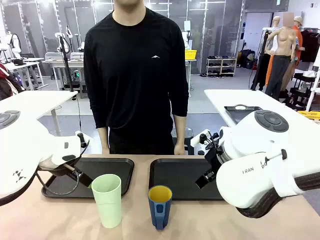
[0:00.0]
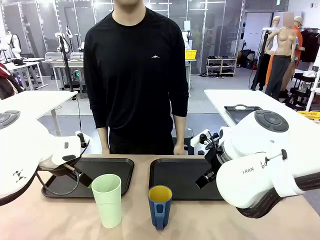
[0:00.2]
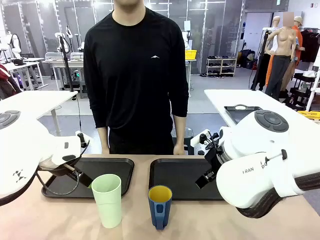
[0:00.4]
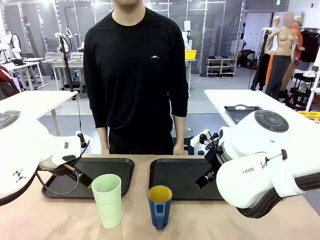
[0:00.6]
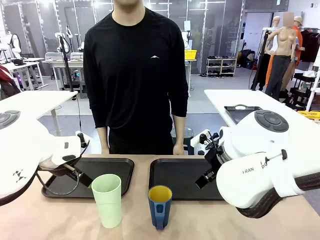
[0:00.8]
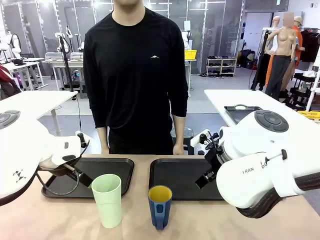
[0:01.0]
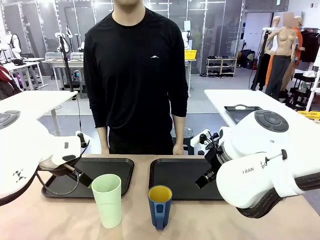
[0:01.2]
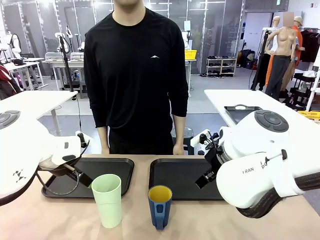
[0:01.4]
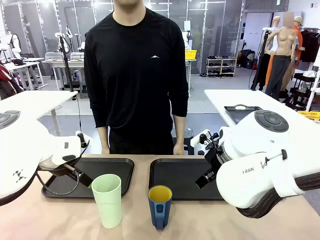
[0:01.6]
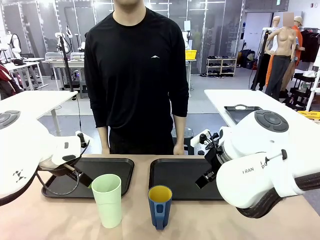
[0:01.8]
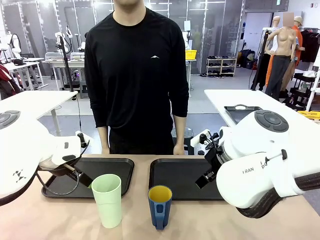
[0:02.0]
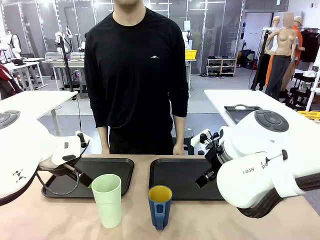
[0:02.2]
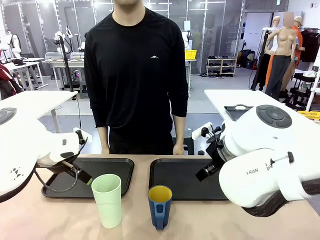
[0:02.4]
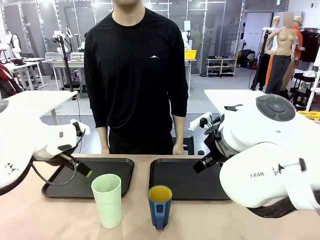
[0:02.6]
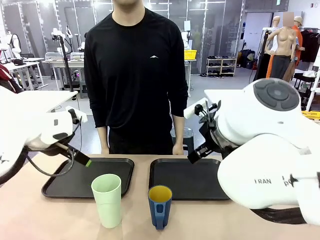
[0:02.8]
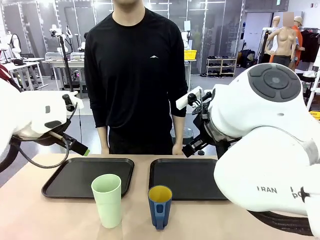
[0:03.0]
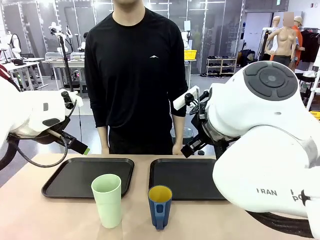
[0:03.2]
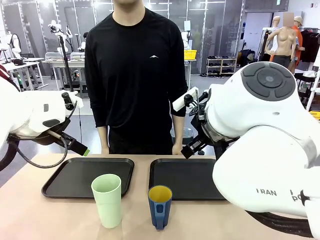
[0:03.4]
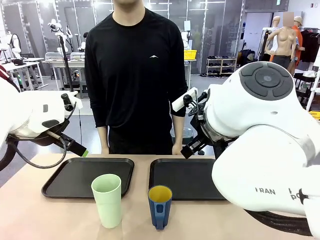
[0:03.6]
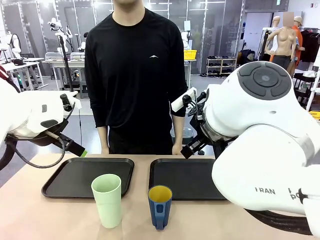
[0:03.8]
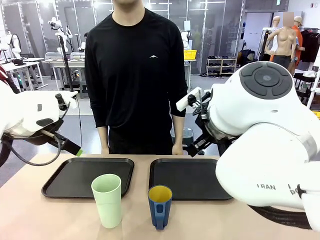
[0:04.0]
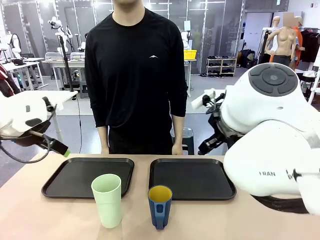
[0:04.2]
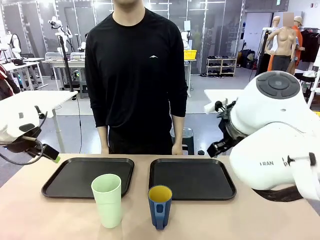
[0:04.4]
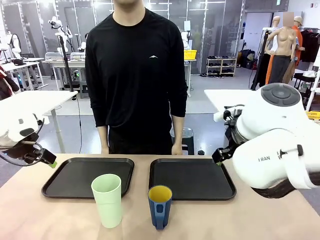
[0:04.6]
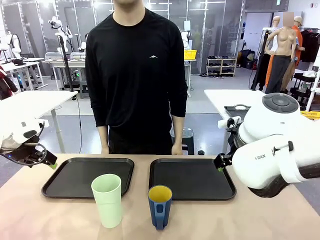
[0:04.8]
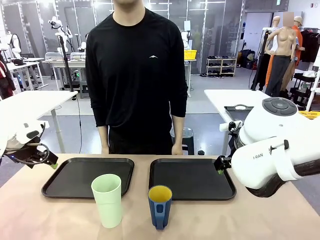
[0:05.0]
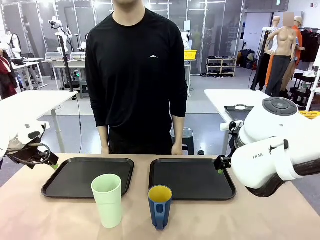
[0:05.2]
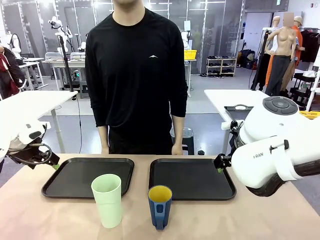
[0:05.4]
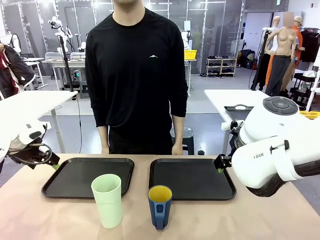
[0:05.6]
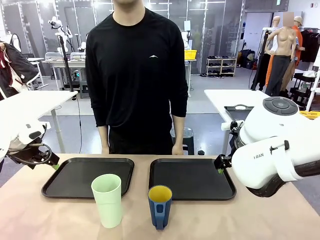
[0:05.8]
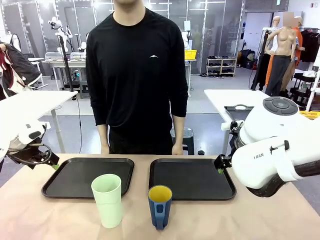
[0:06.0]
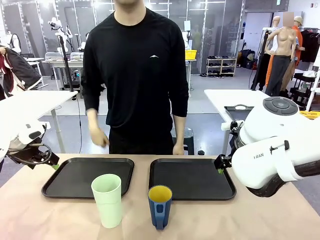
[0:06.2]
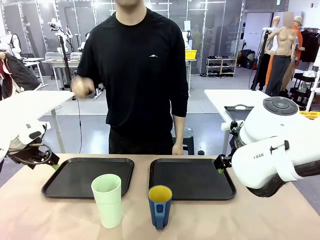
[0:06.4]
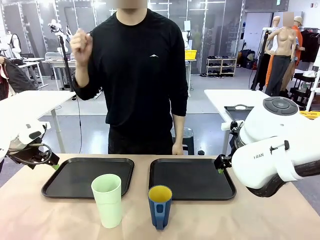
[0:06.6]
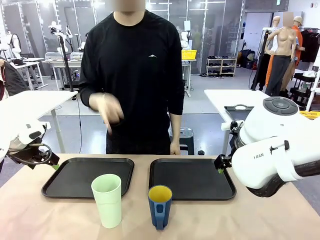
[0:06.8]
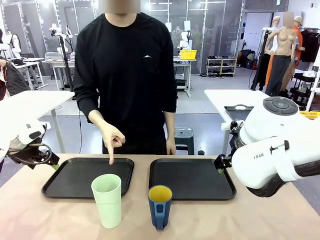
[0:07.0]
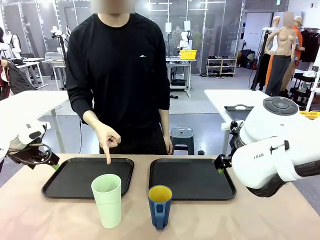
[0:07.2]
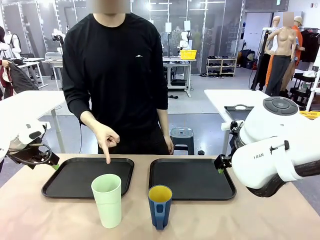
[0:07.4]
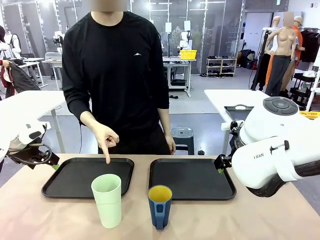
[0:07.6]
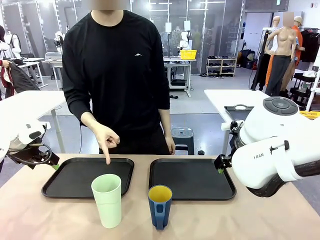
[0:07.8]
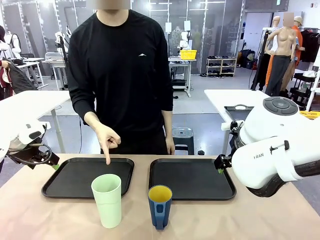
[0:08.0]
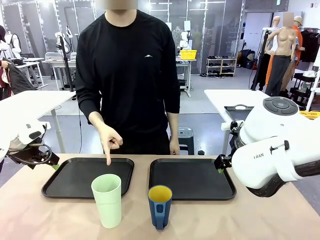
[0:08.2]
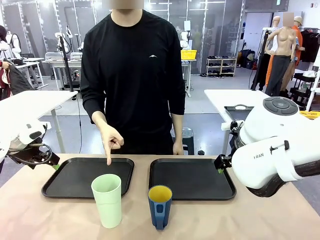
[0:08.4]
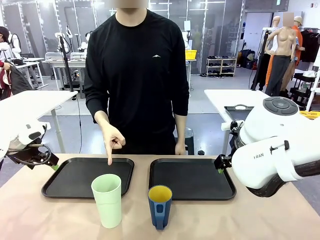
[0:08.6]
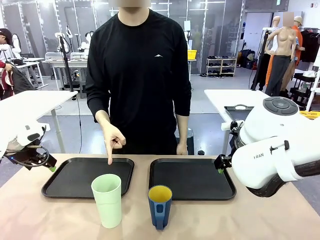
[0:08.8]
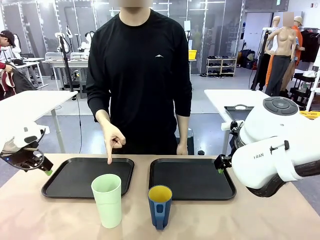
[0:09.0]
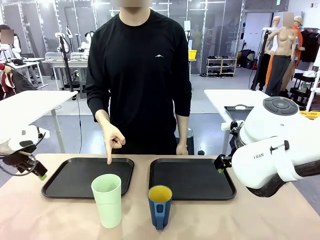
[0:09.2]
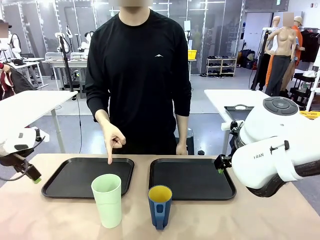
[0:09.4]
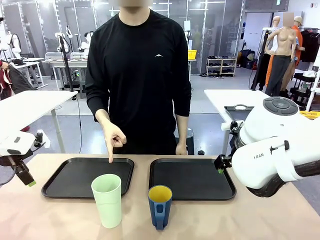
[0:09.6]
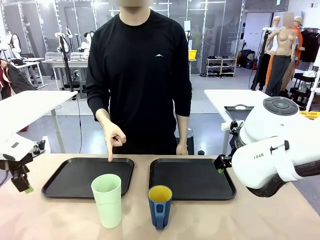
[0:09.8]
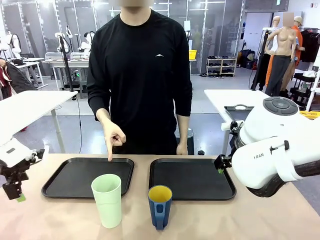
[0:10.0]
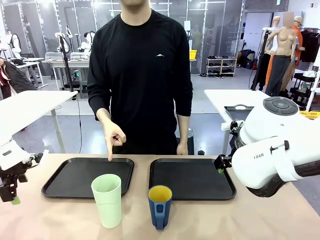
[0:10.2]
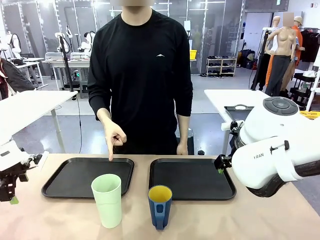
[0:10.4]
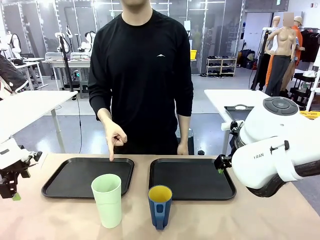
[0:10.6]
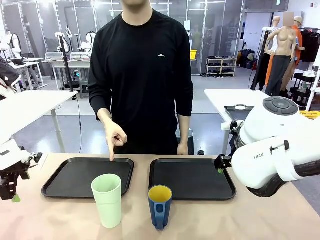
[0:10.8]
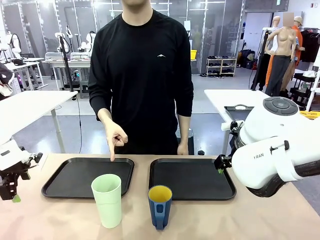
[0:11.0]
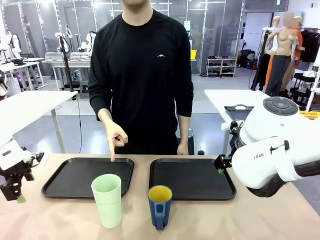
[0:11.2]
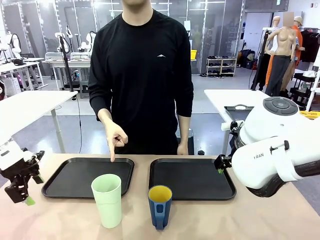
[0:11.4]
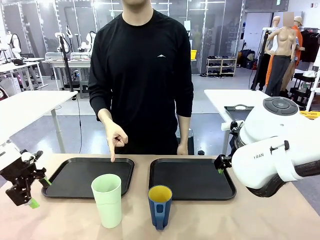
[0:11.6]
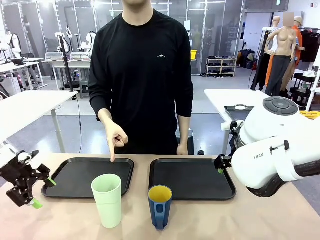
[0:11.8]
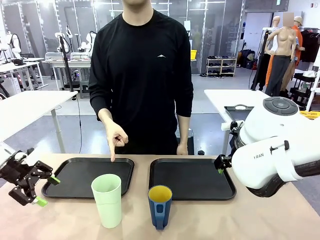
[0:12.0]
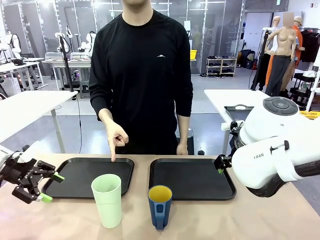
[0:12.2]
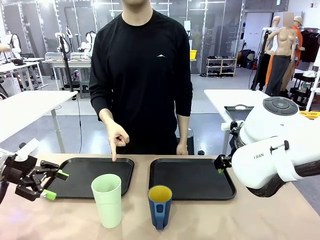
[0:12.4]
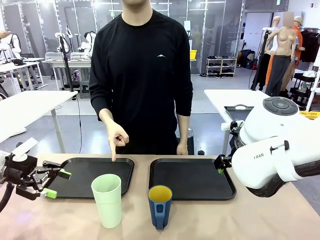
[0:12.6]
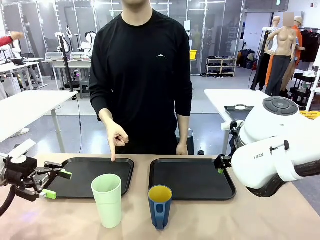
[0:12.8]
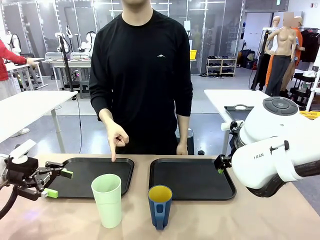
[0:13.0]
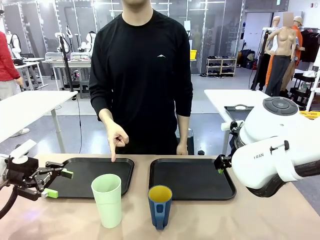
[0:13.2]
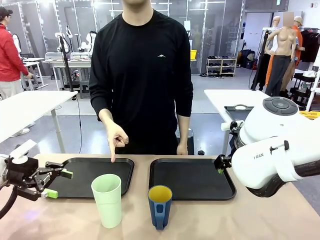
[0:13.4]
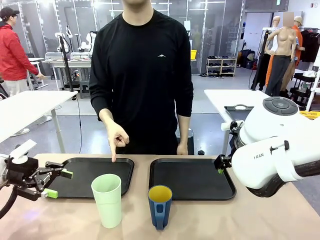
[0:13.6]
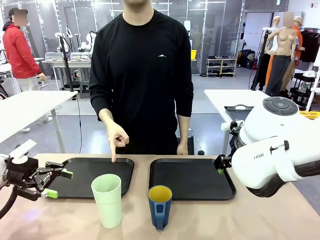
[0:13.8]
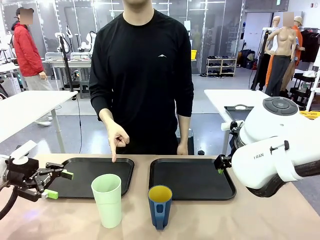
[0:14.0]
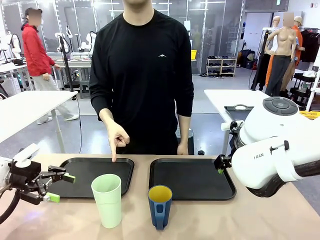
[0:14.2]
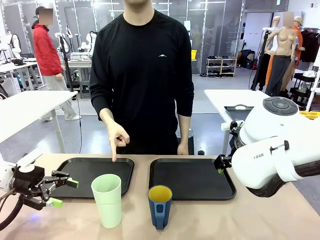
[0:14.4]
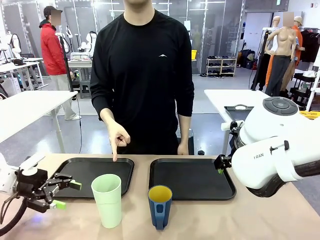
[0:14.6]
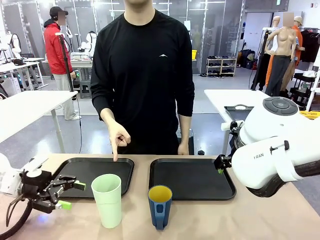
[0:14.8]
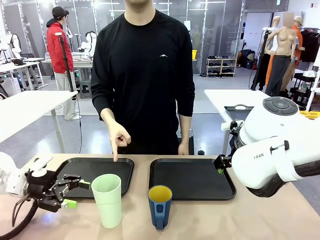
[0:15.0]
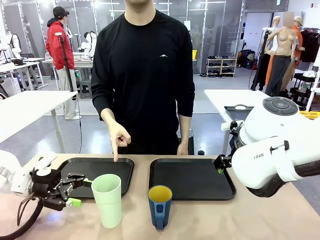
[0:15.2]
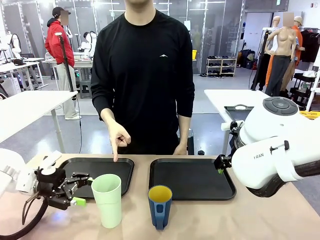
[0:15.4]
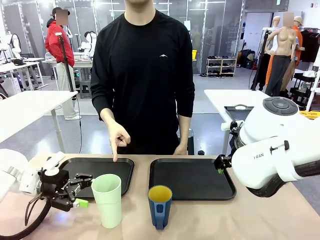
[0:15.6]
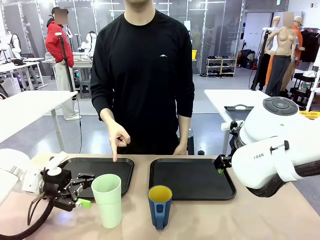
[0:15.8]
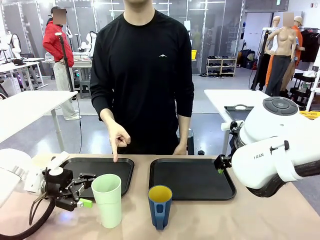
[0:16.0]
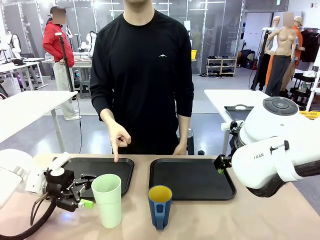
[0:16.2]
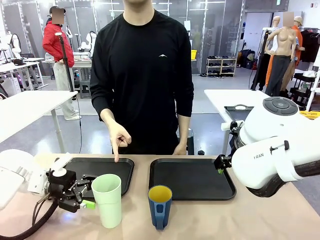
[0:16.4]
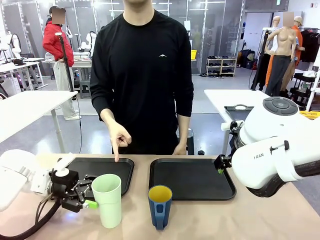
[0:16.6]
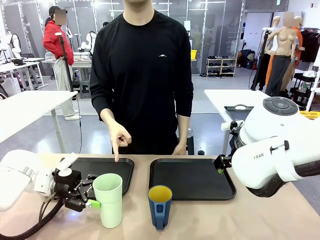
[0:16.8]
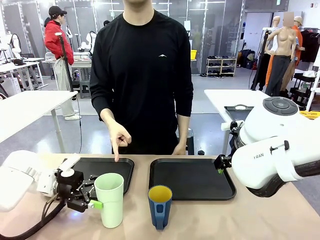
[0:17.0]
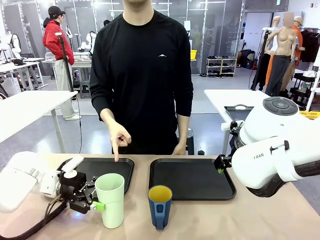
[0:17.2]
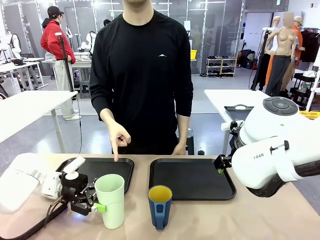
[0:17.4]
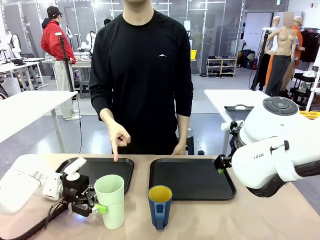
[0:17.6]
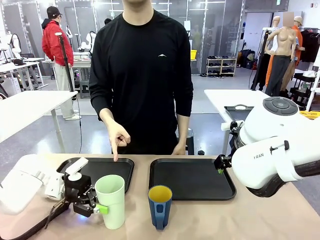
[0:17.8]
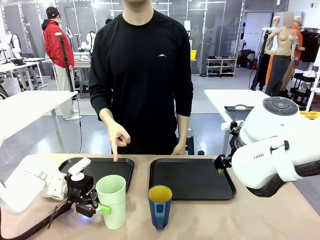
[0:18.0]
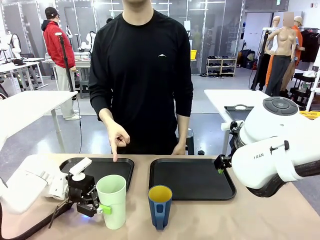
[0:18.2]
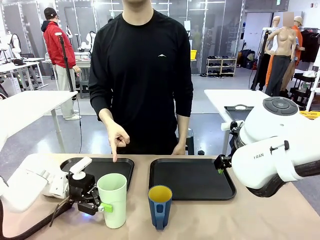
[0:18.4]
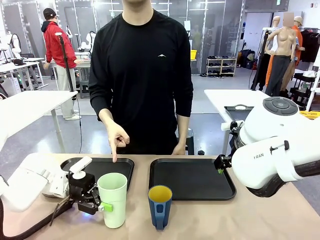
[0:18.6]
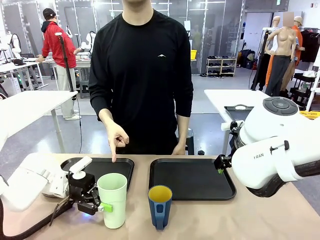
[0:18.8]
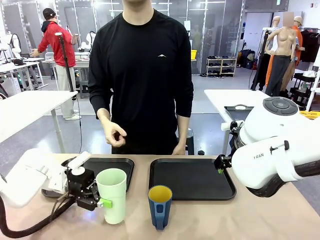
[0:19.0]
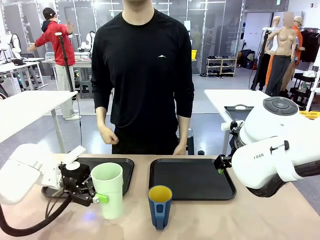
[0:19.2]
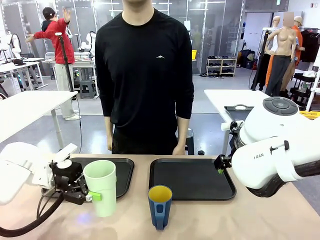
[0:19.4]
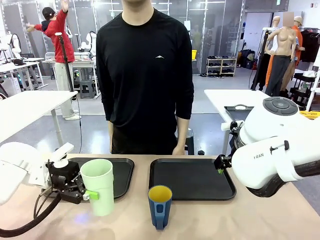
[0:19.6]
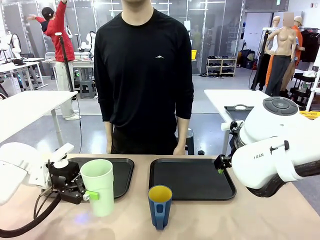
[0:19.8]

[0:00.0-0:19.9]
Task: Sort and store the cups by type.
Robot: Pick up the Reusable plastic cup.
Person: Points to the reusable cup. Point to one of the two trays.
